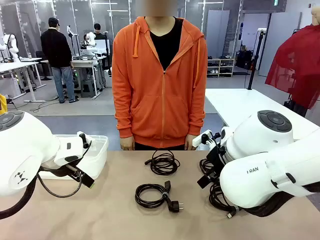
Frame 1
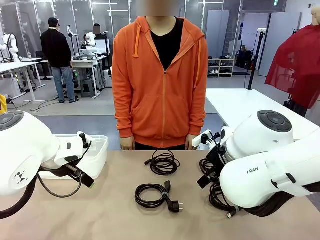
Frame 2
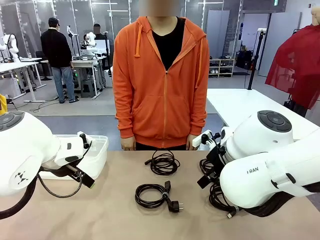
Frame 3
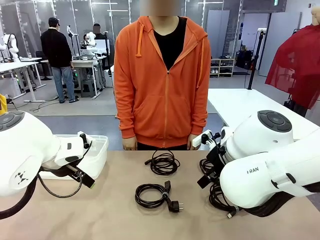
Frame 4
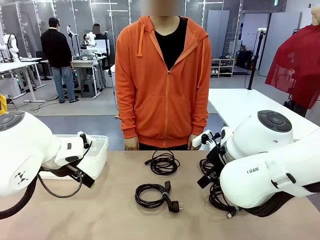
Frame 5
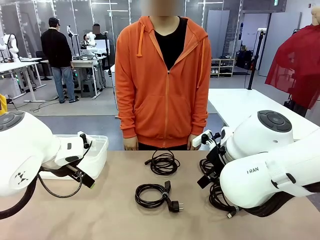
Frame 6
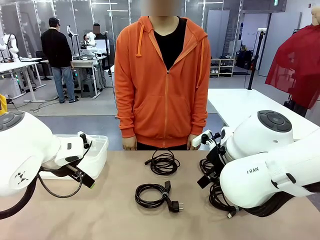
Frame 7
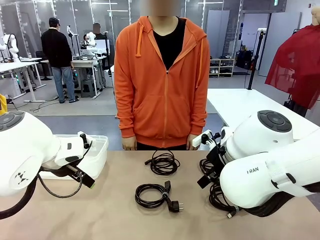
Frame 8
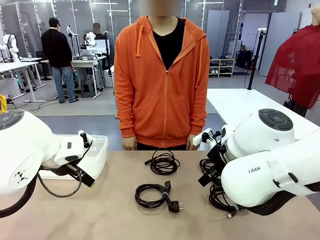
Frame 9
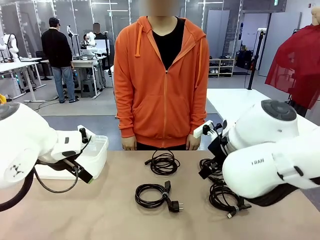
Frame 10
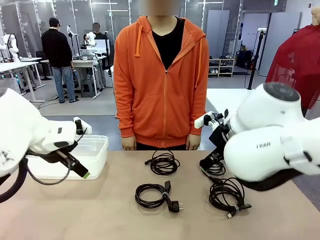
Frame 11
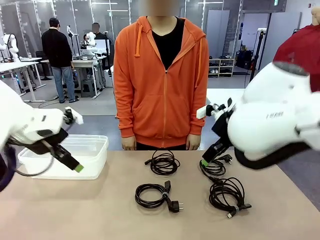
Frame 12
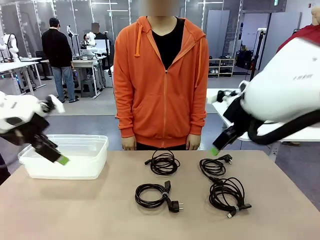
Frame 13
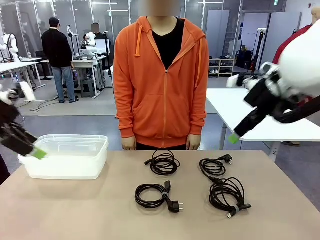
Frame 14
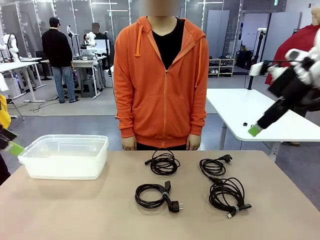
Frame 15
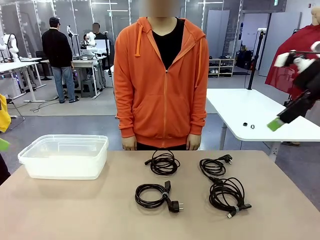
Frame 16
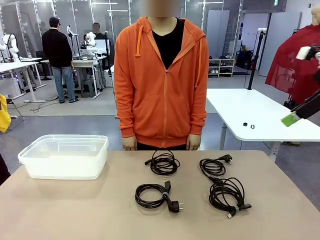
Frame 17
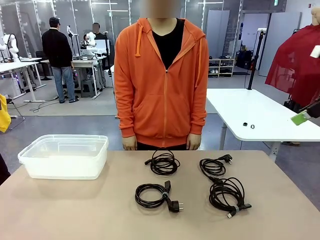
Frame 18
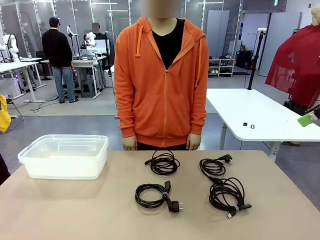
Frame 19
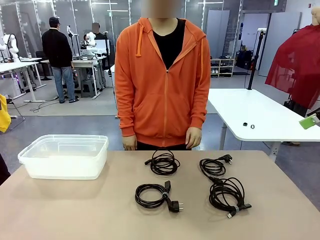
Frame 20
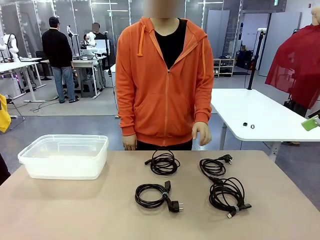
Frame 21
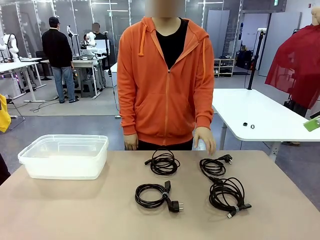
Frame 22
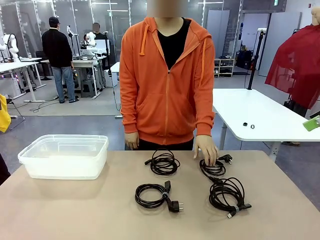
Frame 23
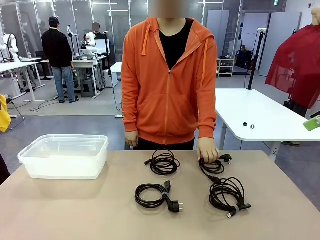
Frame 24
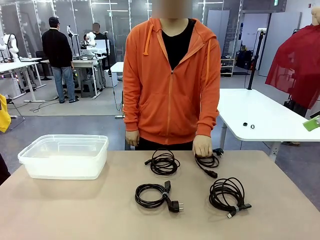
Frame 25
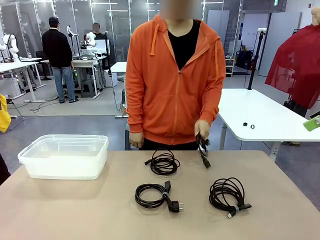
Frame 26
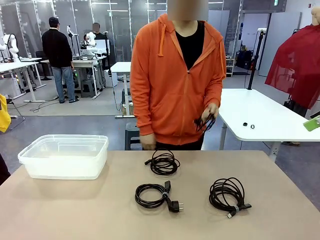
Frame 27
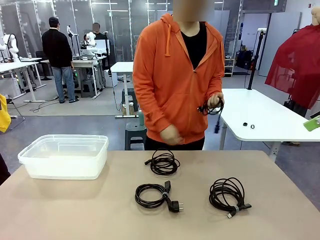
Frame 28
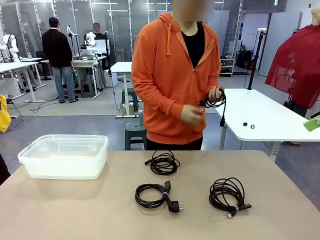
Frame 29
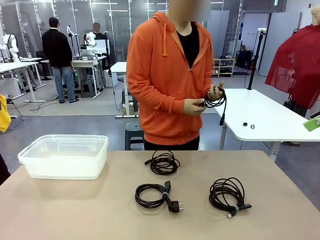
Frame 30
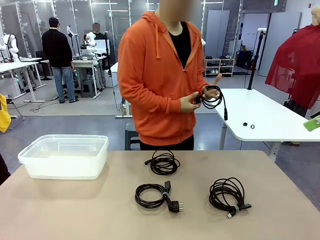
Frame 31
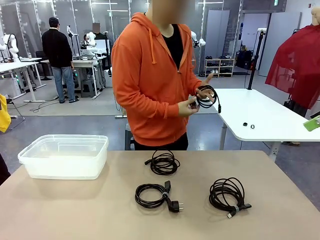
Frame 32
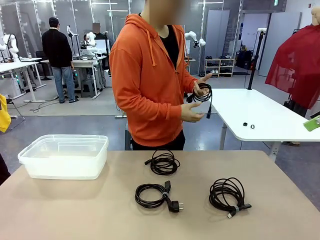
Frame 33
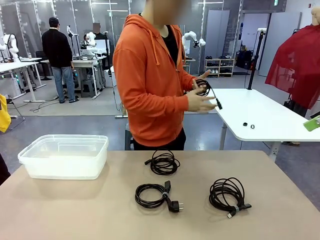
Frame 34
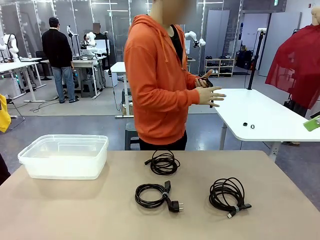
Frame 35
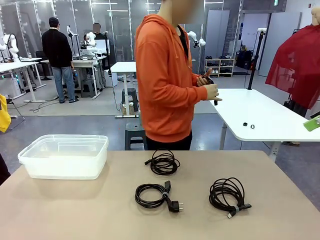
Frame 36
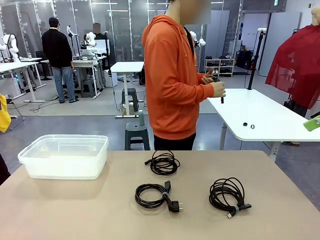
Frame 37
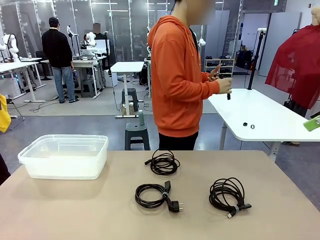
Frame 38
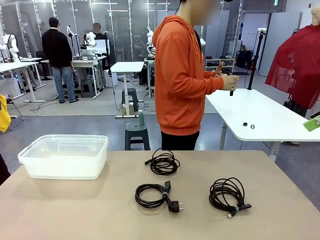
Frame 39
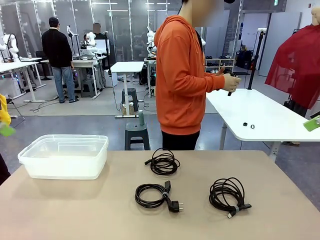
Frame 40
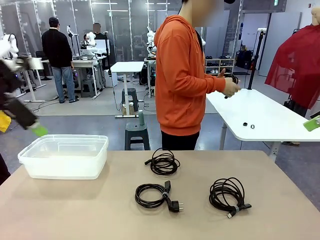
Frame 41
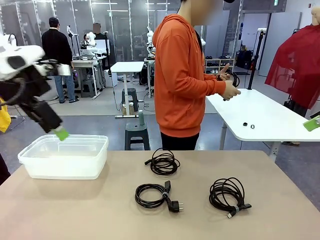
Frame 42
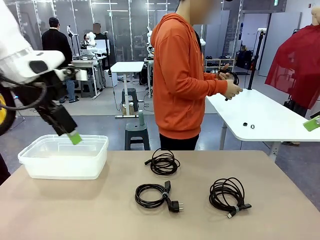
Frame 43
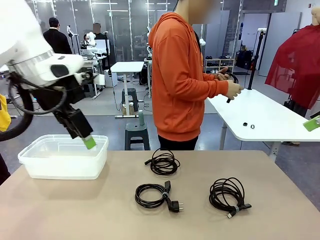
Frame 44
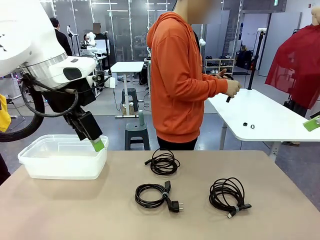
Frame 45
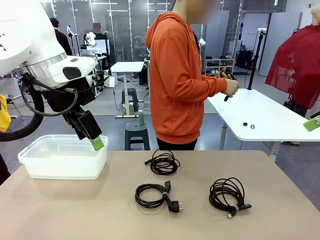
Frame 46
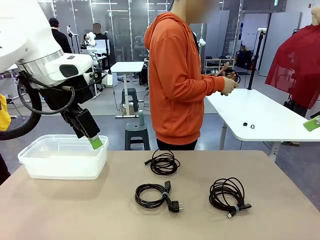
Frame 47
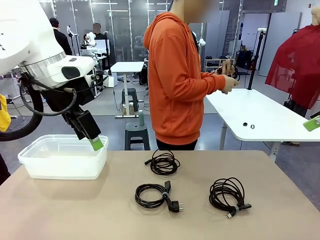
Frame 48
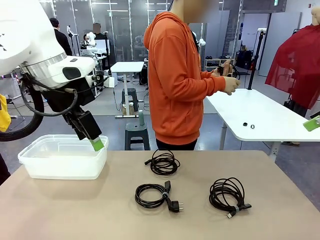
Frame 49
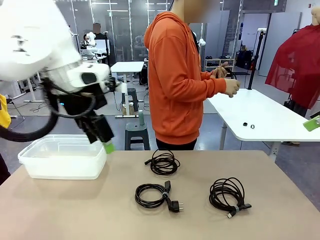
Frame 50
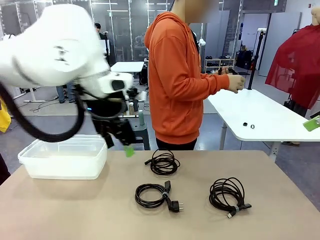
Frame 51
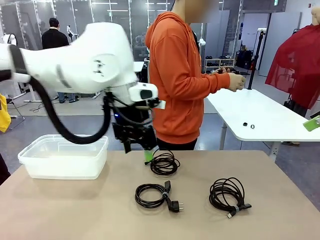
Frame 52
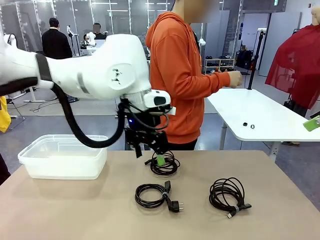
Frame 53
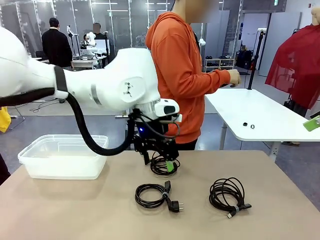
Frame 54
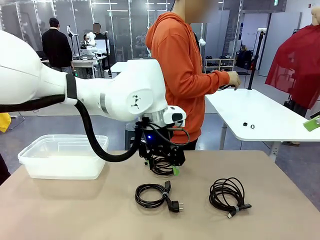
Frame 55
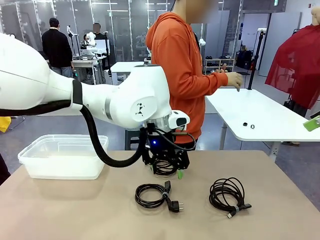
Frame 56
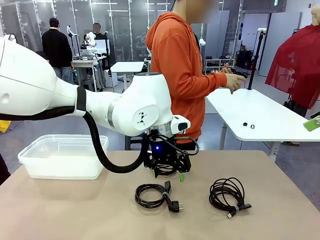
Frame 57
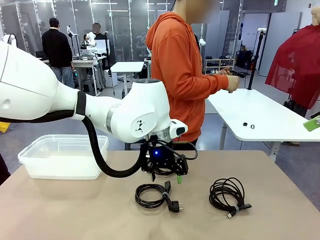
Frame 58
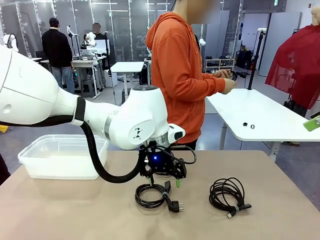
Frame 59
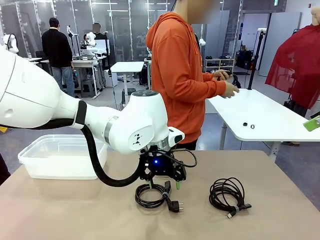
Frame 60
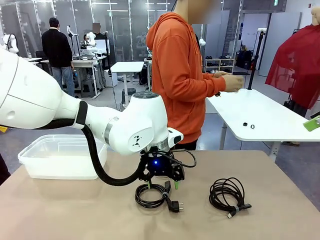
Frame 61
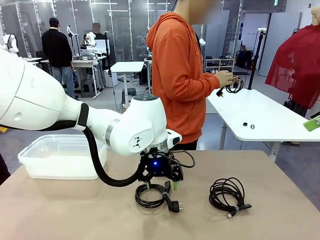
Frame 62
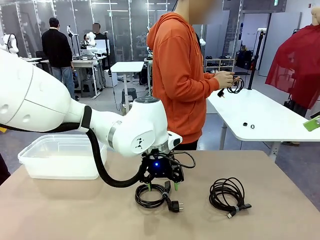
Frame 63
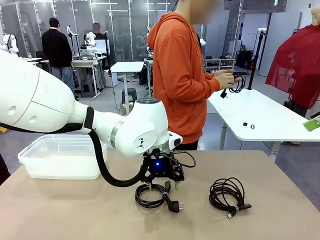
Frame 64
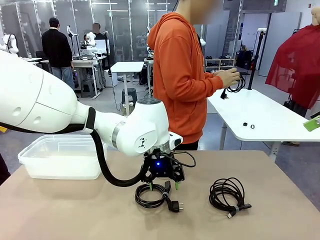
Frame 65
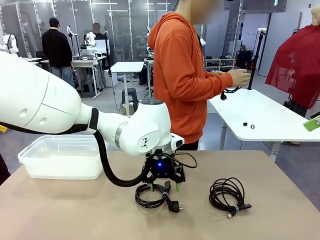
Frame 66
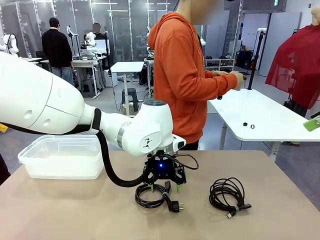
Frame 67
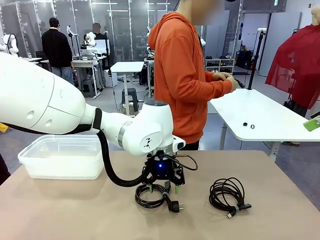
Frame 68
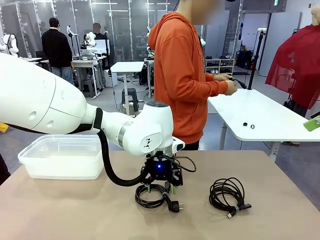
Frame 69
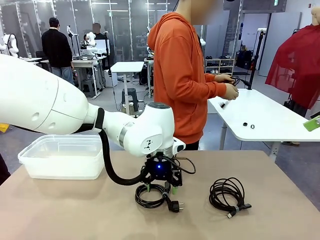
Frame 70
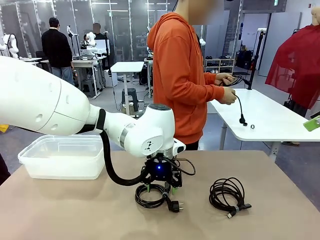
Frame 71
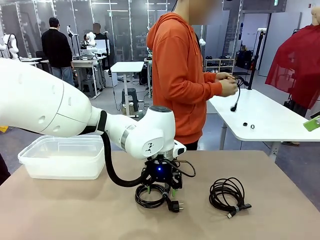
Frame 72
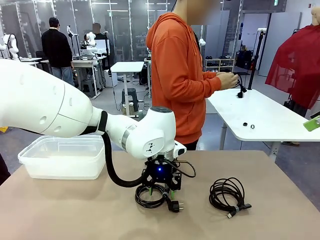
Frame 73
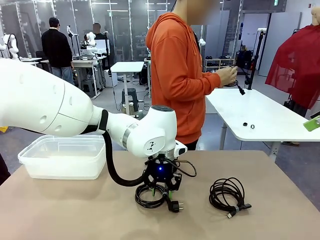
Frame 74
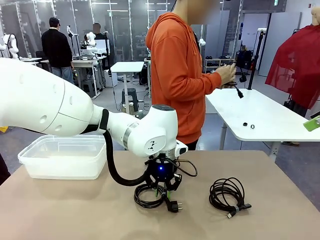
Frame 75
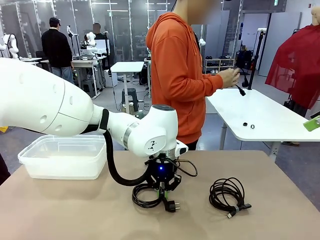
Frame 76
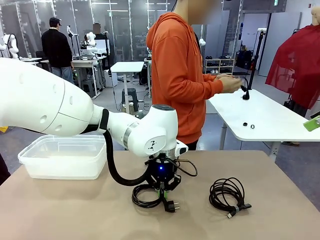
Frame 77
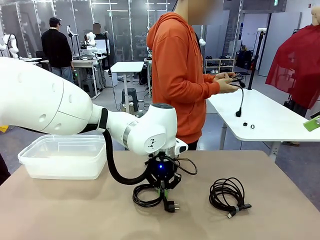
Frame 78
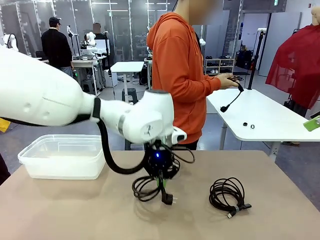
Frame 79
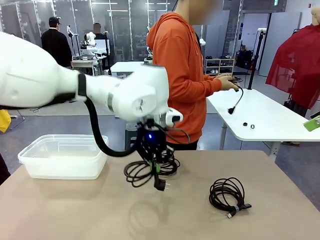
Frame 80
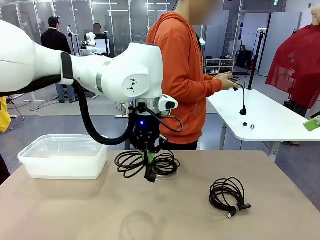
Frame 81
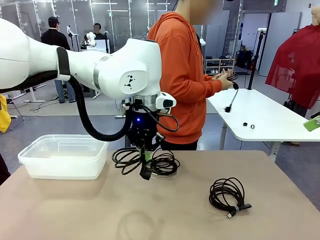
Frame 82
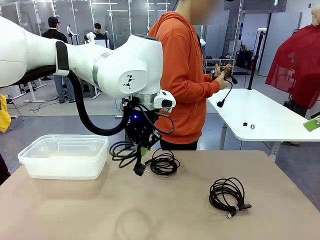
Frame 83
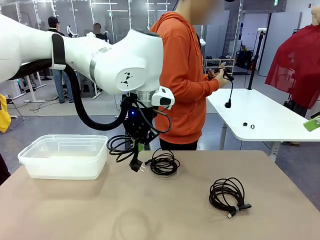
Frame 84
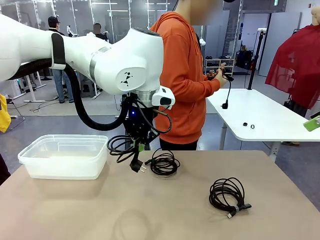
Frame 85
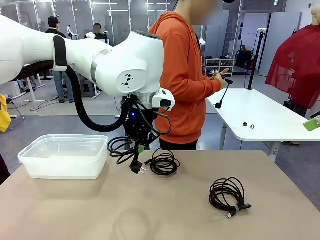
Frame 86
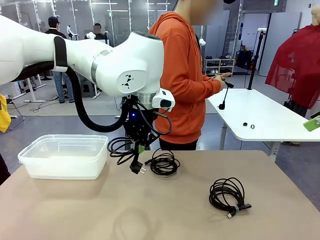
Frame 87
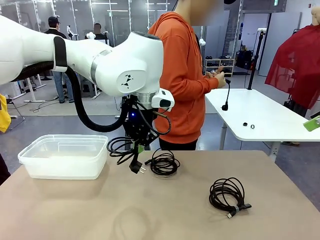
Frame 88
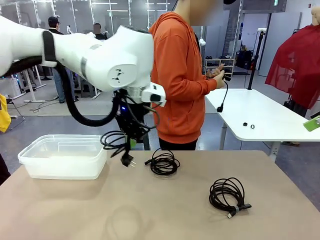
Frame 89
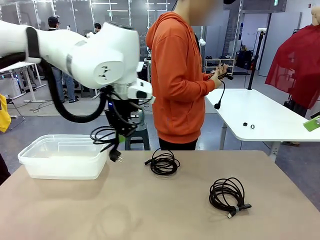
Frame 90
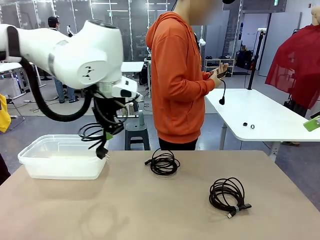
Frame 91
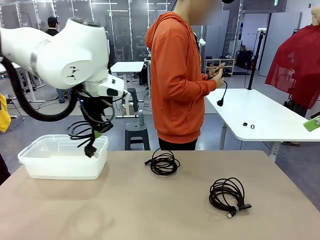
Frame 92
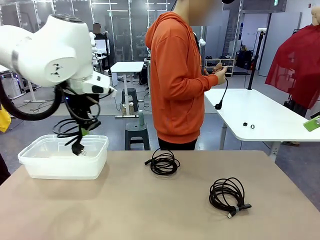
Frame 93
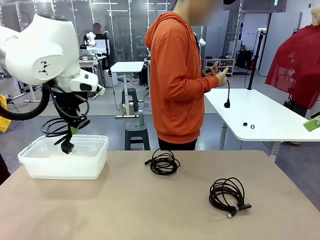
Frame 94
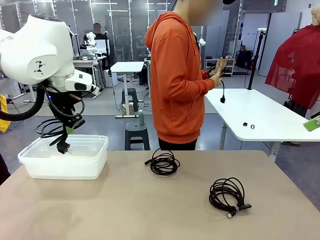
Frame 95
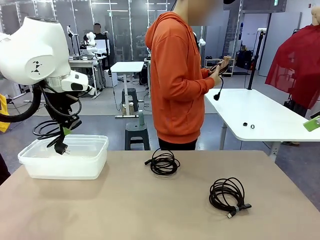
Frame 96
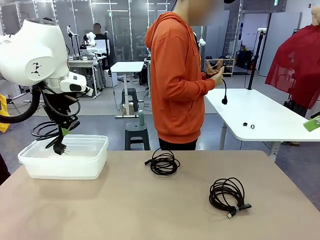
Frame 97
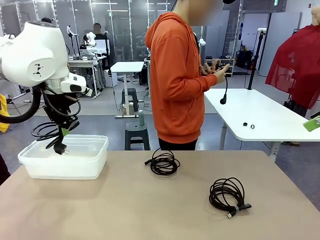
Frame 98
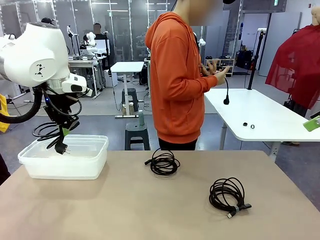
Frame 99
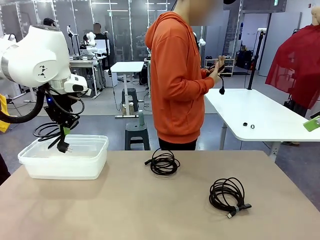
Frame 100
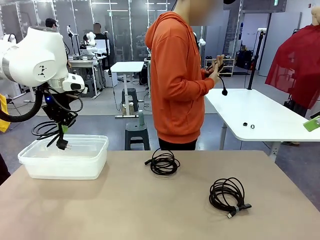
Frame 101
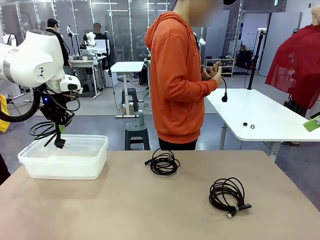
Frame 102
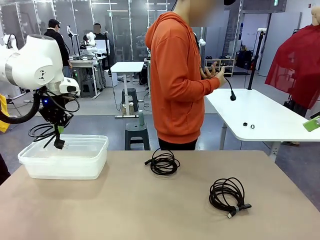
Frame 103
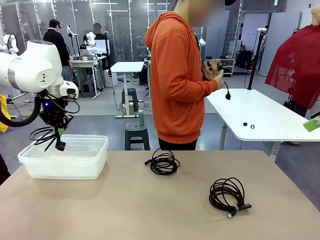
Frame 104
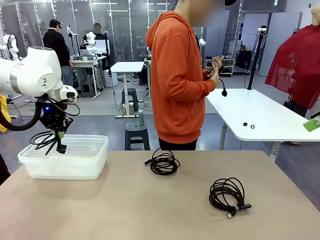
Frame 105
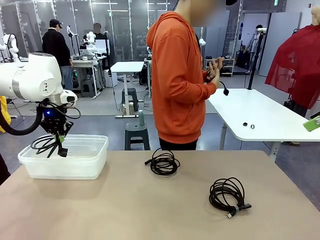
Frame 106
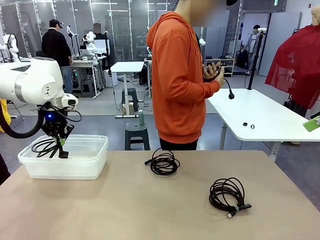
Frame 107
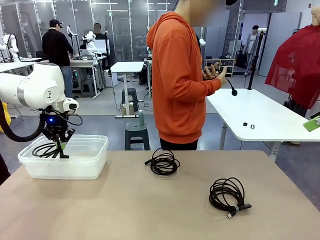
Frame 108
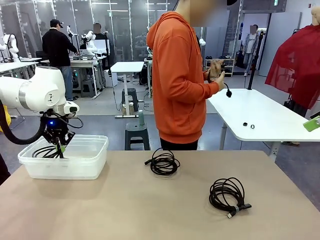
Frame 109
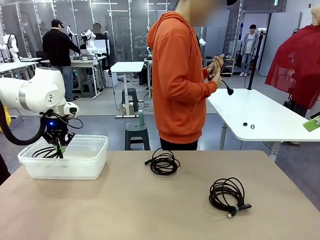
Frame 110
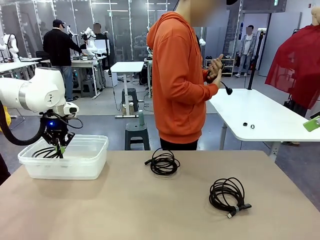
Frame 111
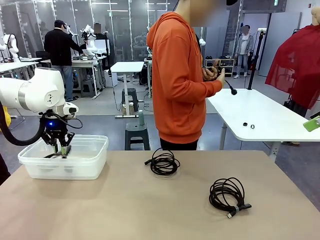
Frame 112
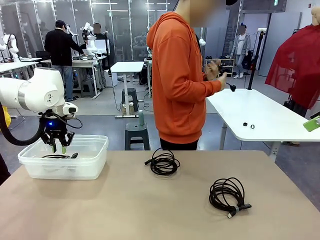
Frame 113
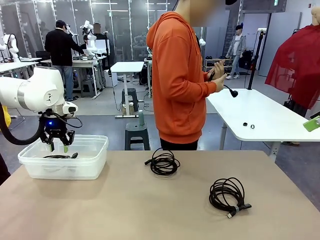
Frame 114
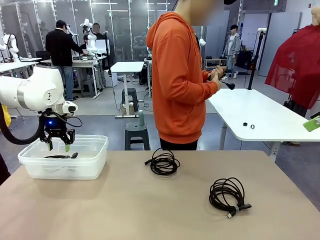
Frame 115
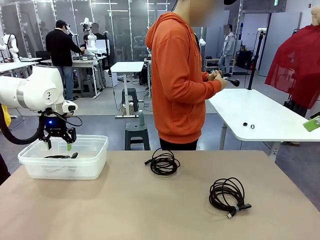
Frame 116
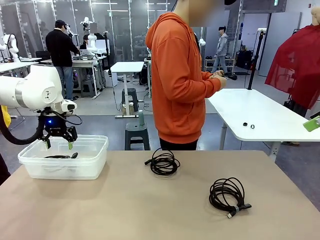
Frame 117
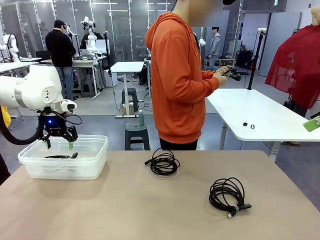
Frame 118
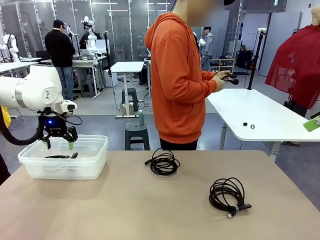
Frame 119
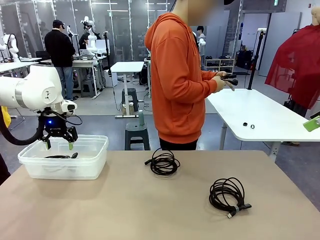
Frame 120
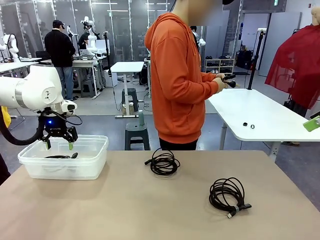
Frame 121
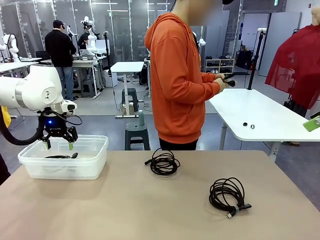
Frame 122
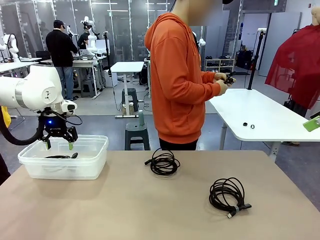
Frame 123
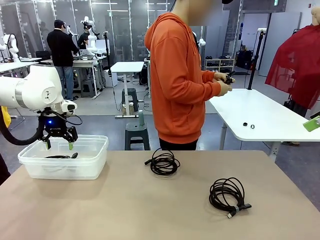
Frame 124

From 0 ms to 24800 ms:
Task: Organize and store the cables.
Robot: Place the Power Cable into the Organizing box.
Person: Tie one Power Cable with a Reusable Cable Tie.
